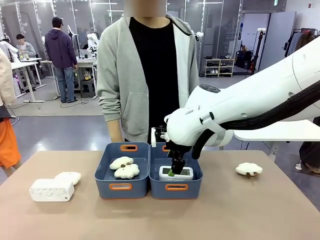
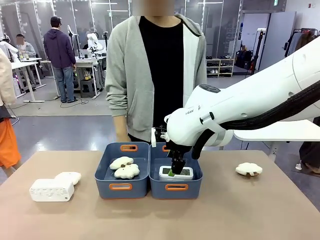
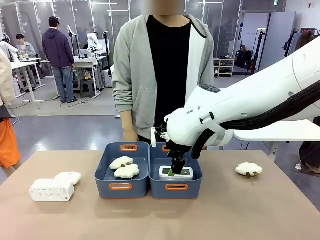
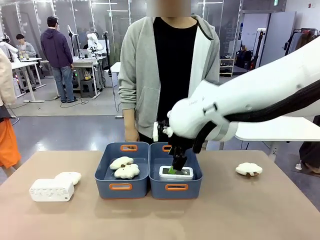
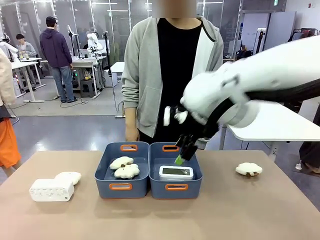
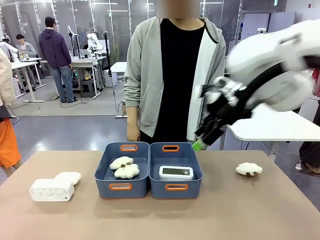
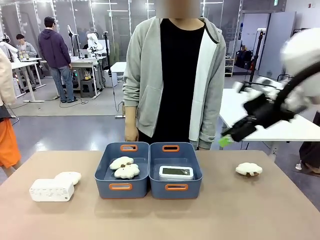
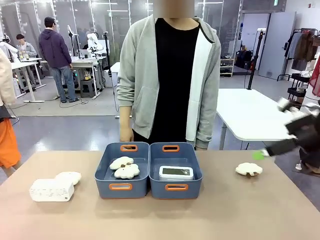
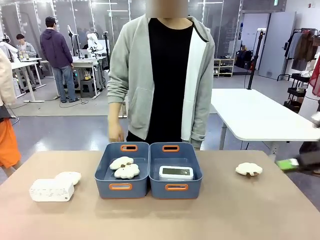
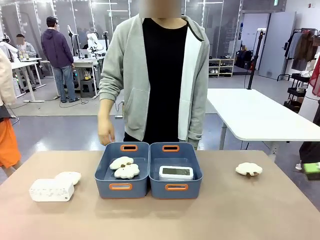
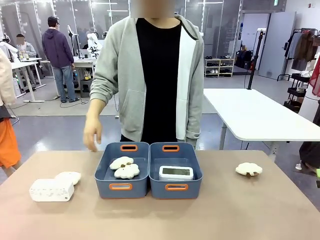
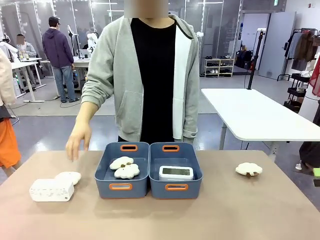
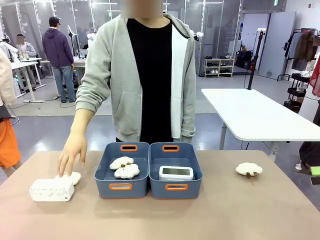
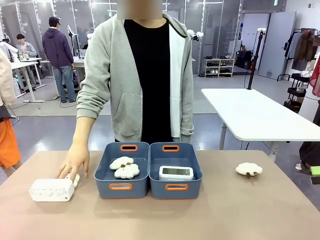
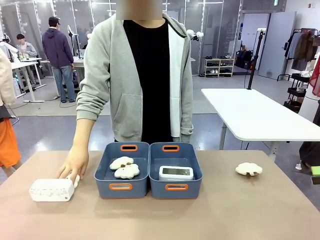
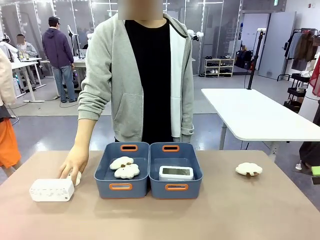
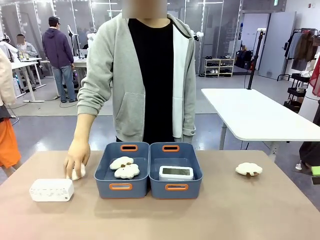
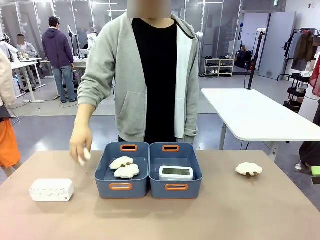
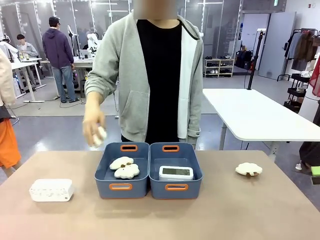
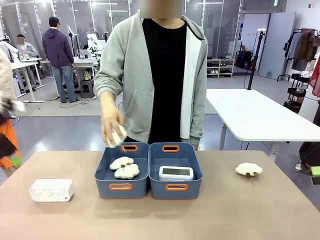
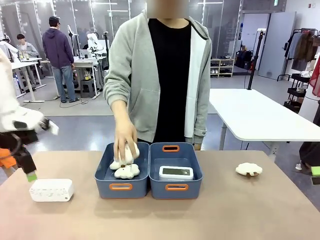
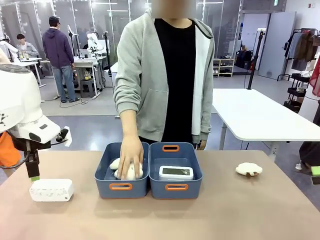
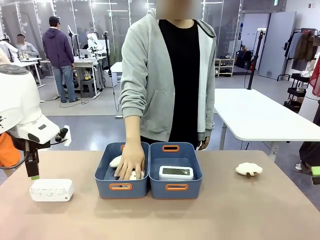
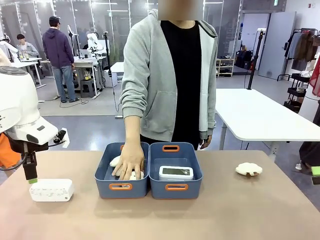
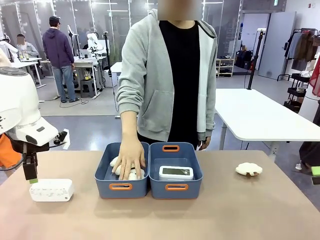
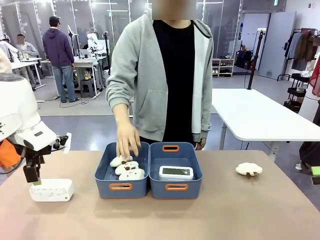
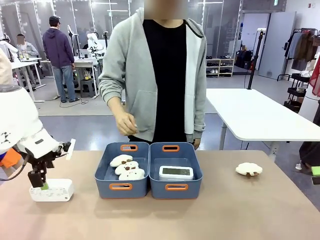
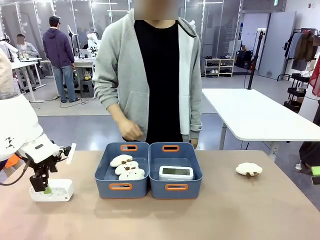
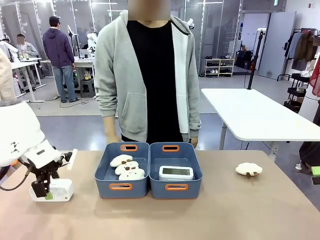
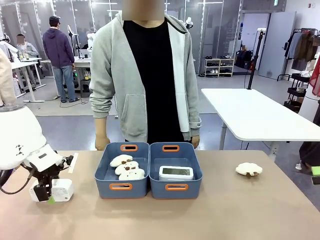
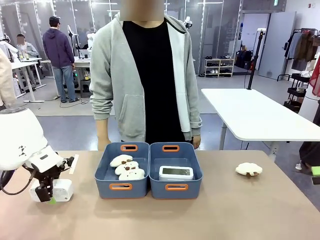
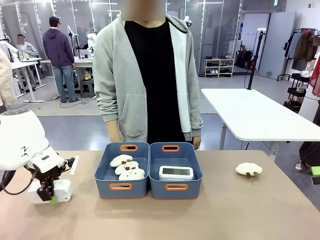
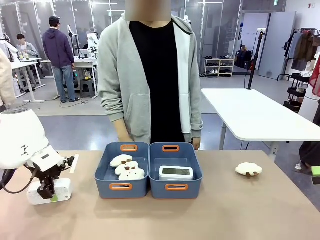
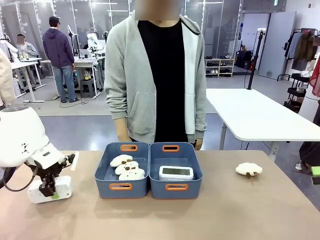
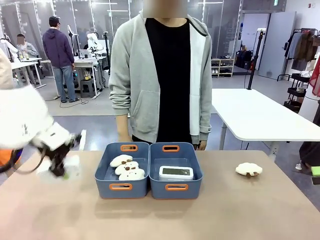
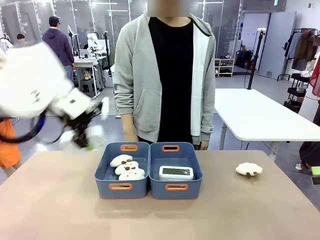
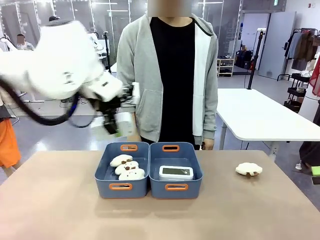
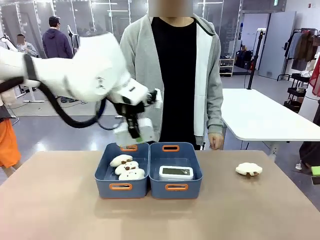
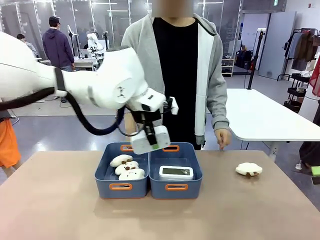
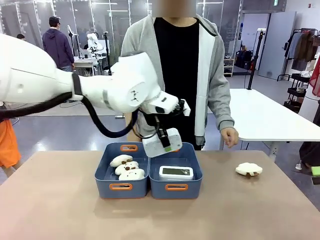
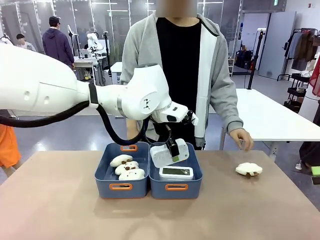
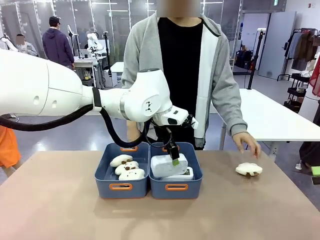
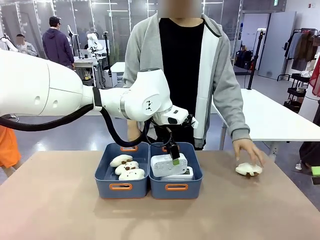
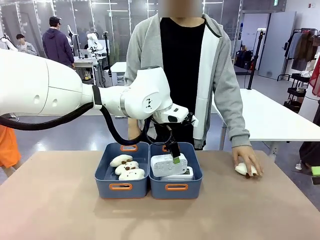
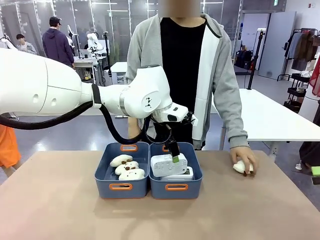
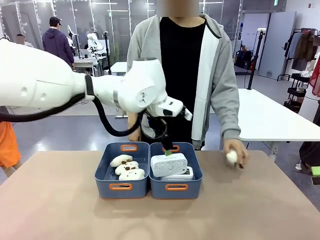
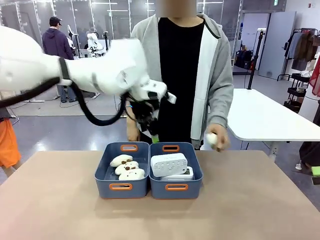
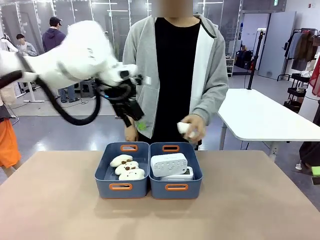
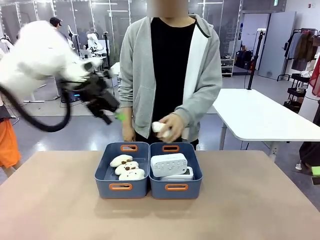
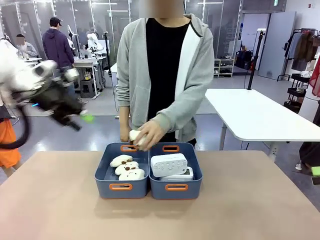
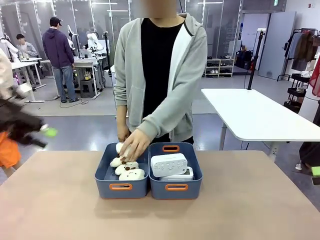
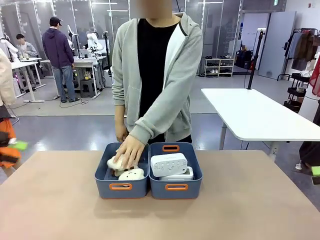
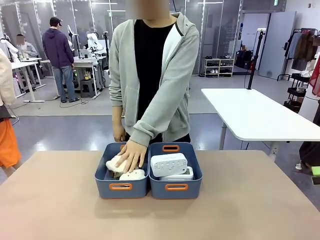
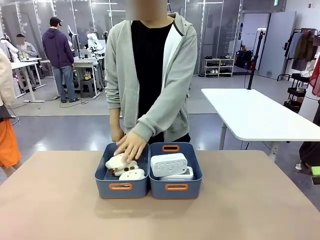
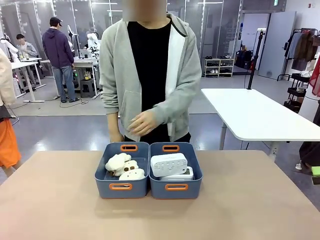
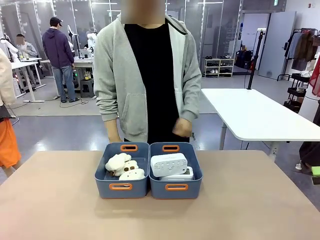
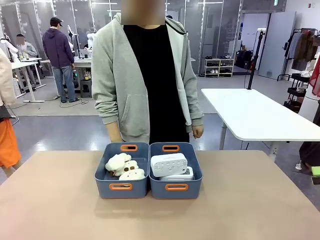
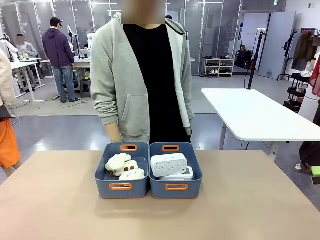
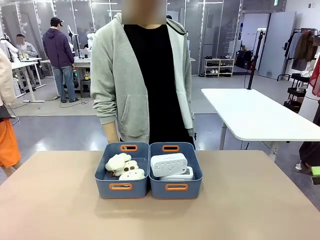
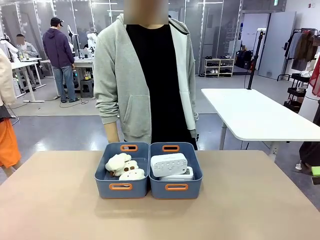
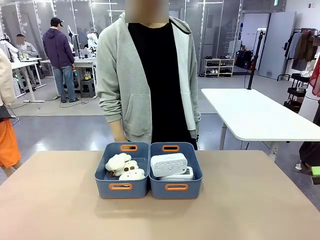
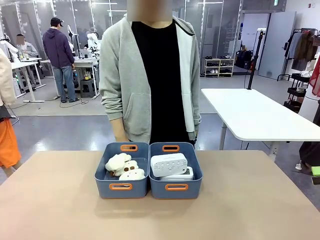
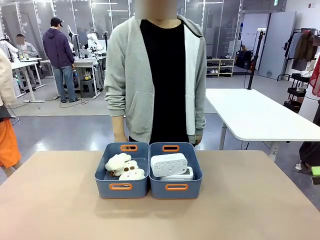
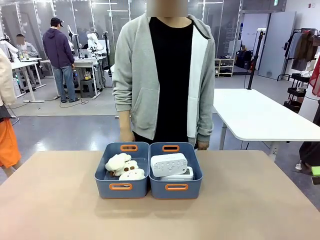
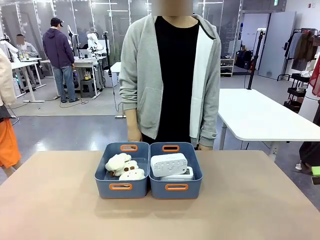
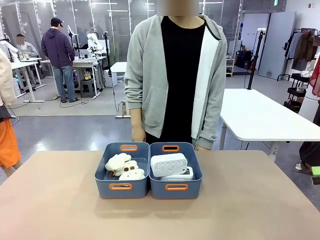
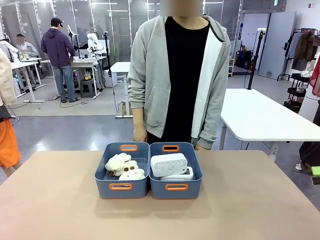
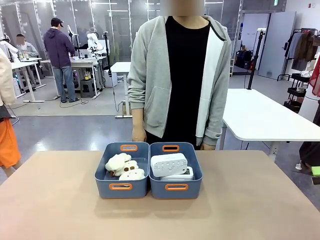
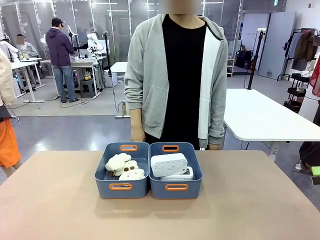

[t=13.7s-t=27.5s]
Task: Sort the digital clocks into the basket.
Robot: Pick up the Digital clock from the table and place it into the empty Plastic storage basket.
Person: Pick up a plush toy from the table and place it in the plastic storage basket containing the plush toy.
